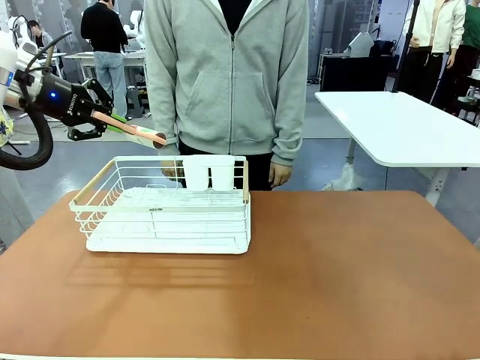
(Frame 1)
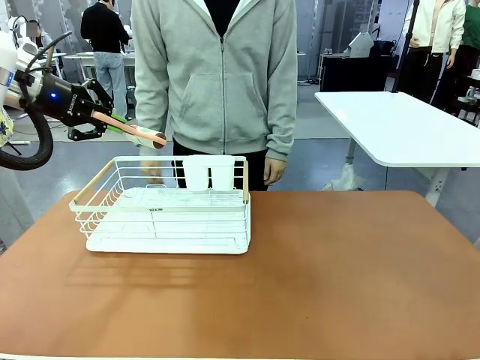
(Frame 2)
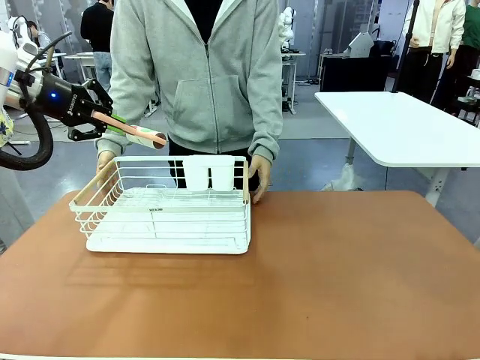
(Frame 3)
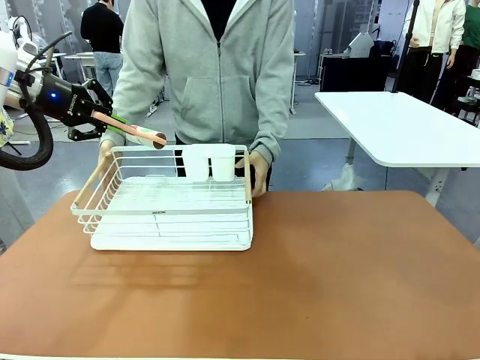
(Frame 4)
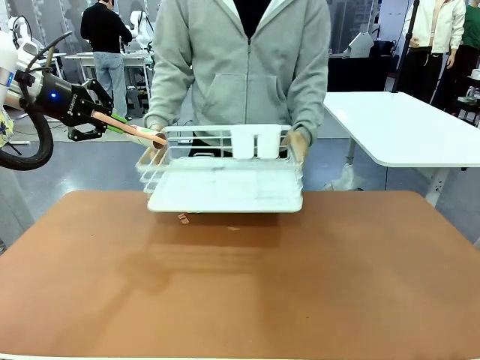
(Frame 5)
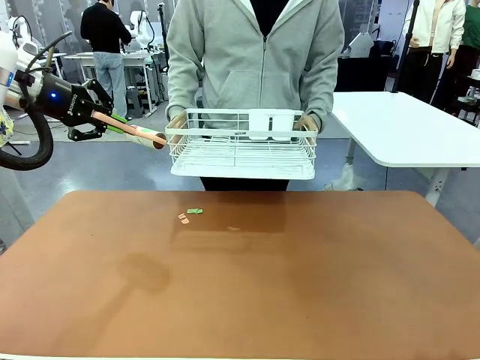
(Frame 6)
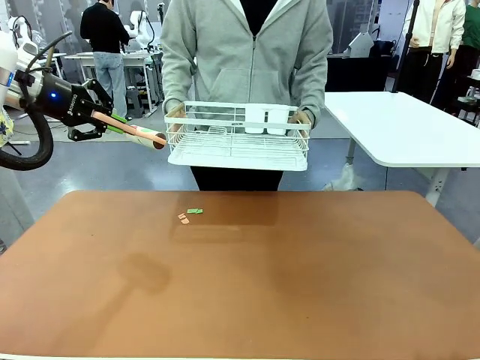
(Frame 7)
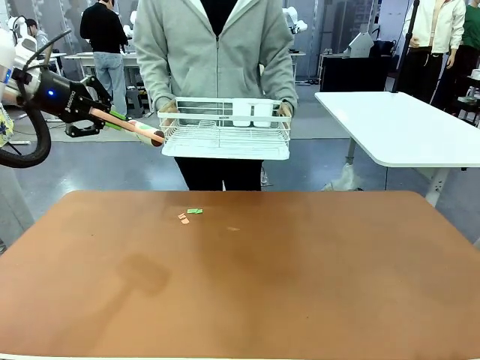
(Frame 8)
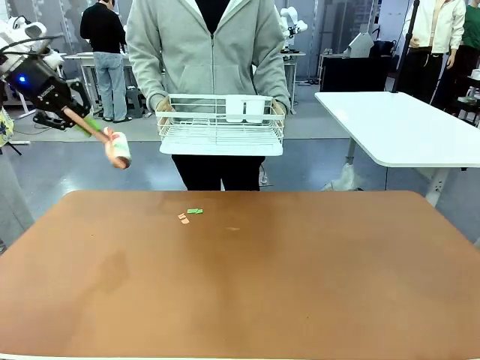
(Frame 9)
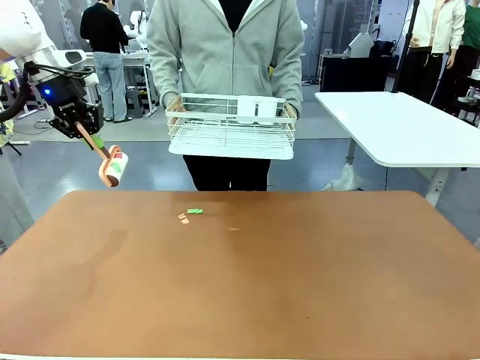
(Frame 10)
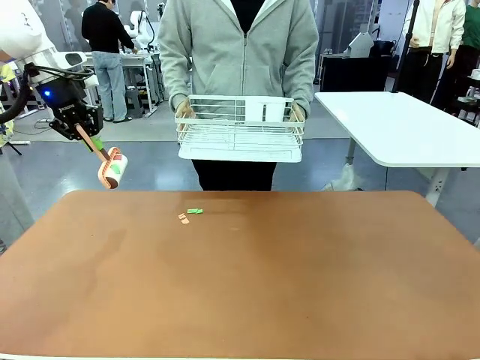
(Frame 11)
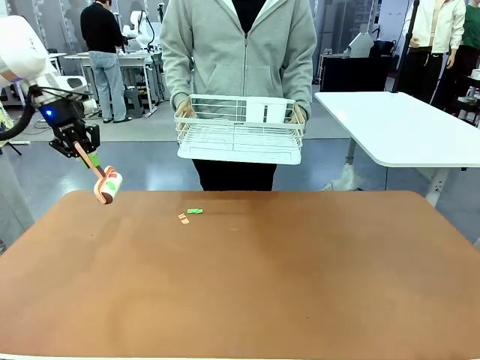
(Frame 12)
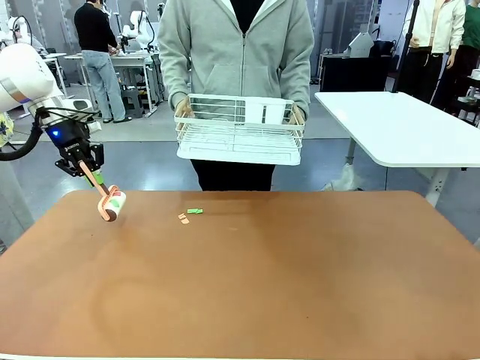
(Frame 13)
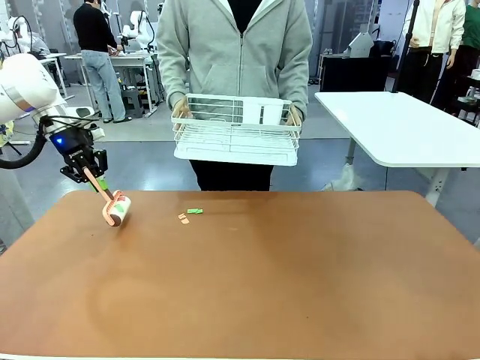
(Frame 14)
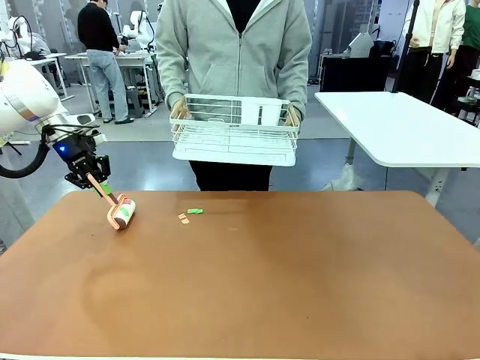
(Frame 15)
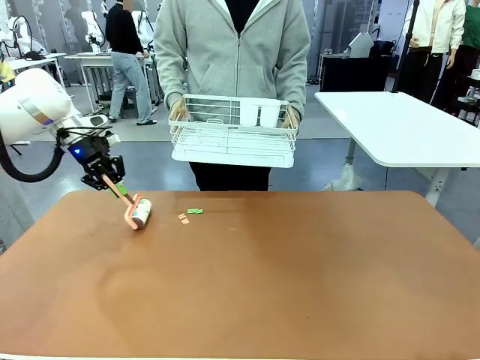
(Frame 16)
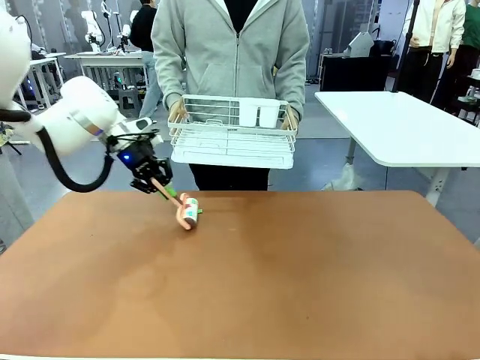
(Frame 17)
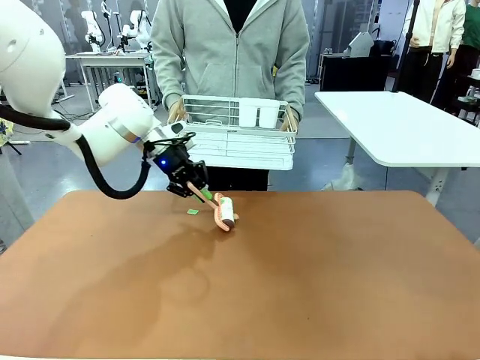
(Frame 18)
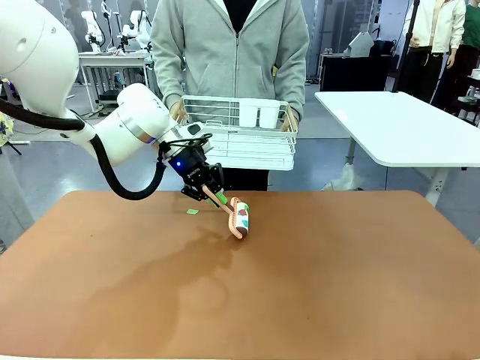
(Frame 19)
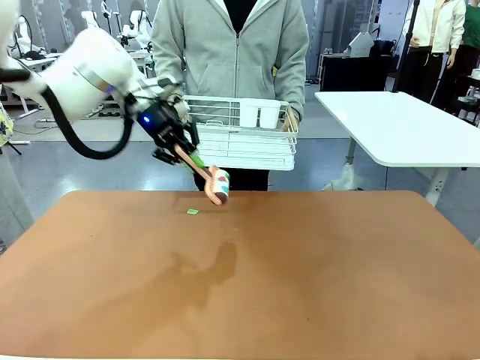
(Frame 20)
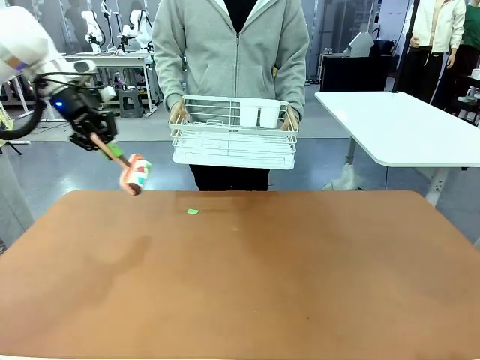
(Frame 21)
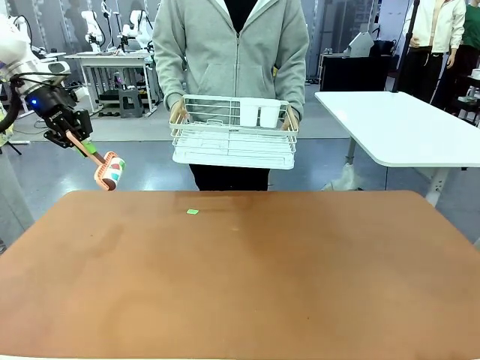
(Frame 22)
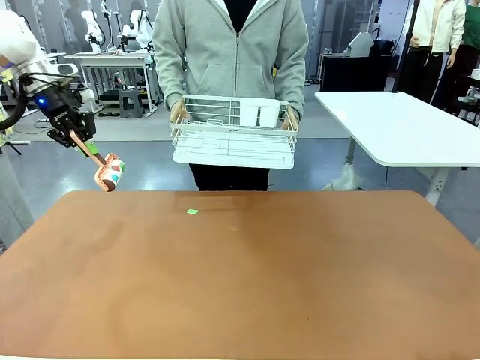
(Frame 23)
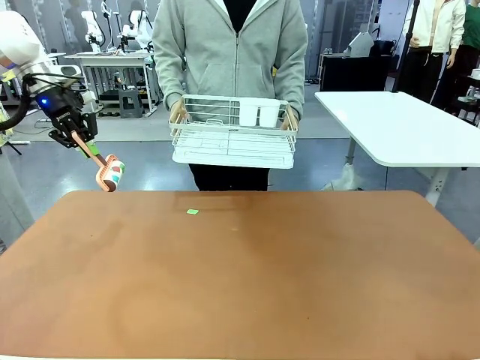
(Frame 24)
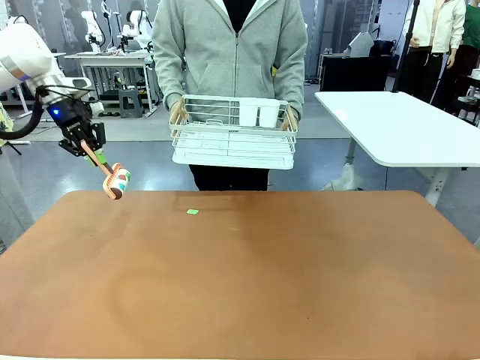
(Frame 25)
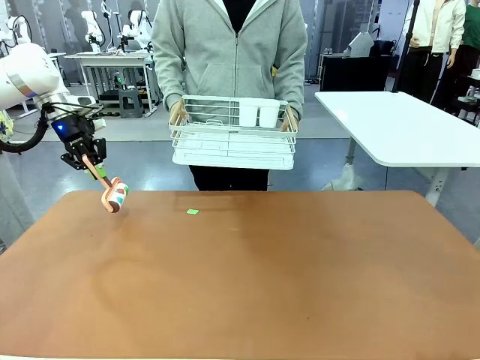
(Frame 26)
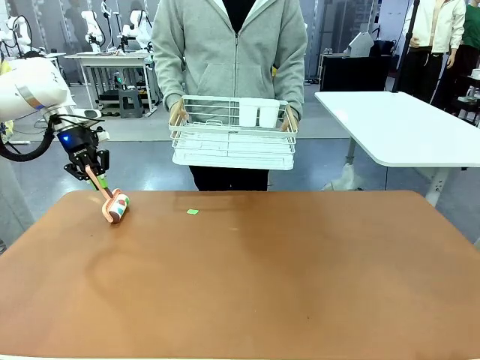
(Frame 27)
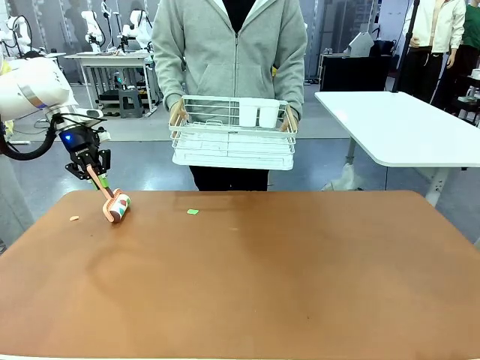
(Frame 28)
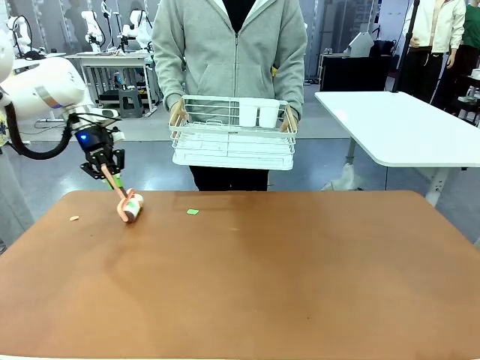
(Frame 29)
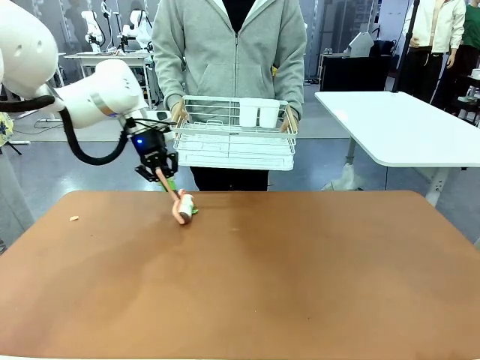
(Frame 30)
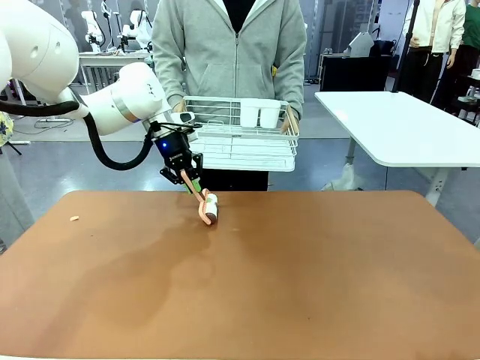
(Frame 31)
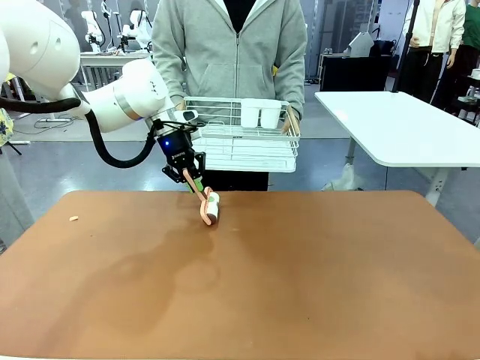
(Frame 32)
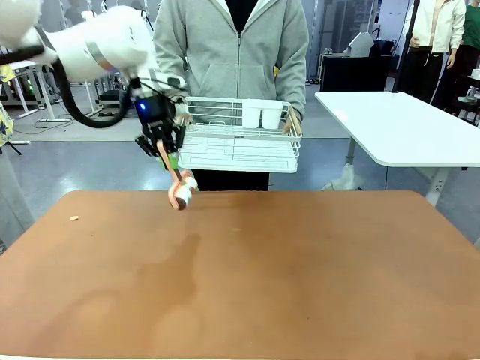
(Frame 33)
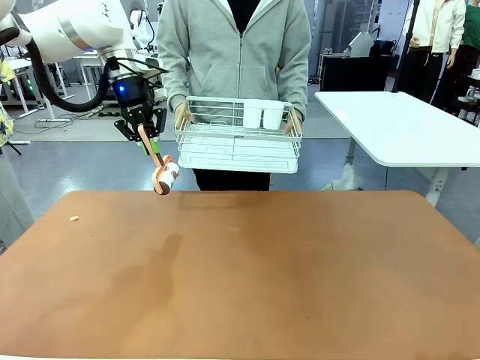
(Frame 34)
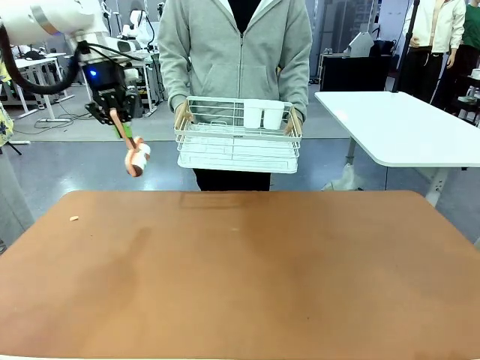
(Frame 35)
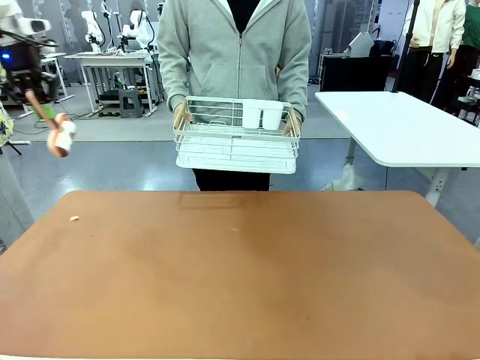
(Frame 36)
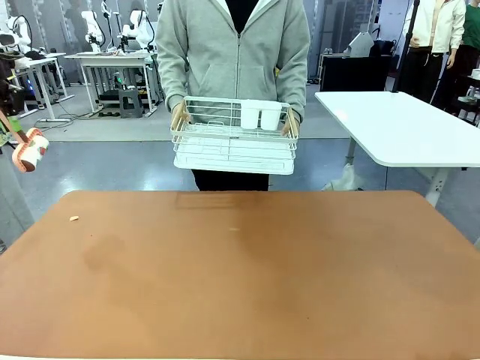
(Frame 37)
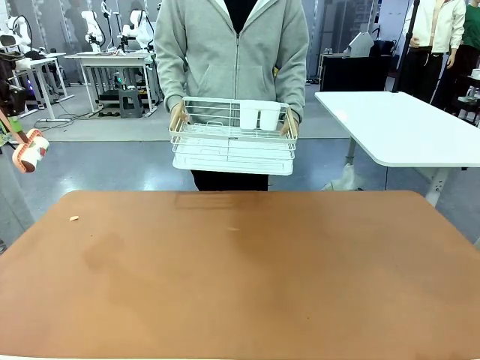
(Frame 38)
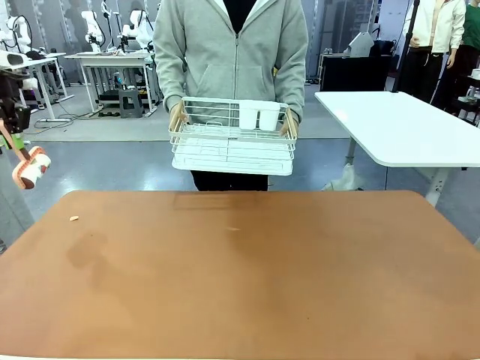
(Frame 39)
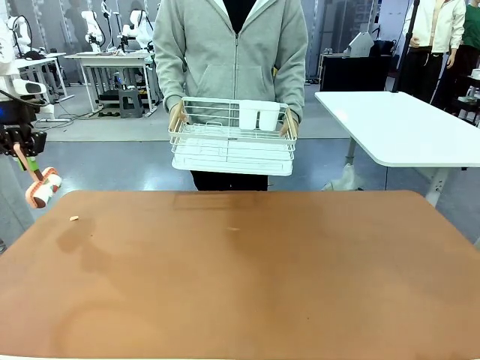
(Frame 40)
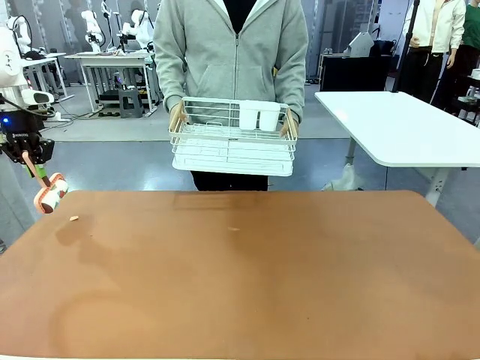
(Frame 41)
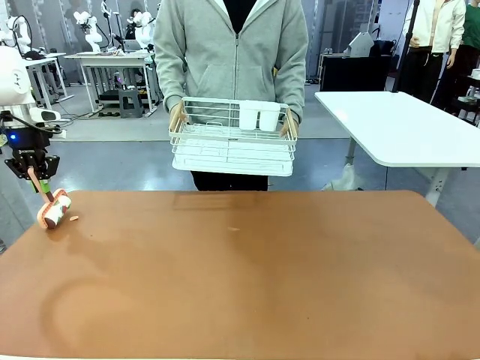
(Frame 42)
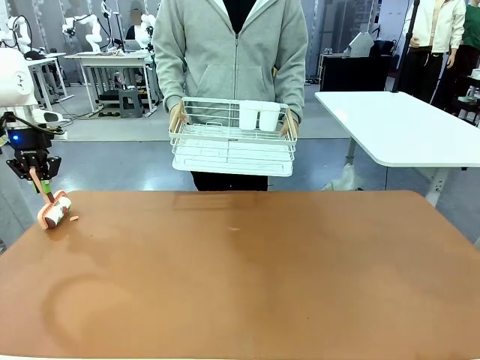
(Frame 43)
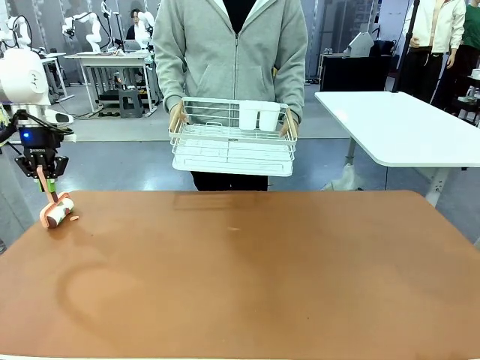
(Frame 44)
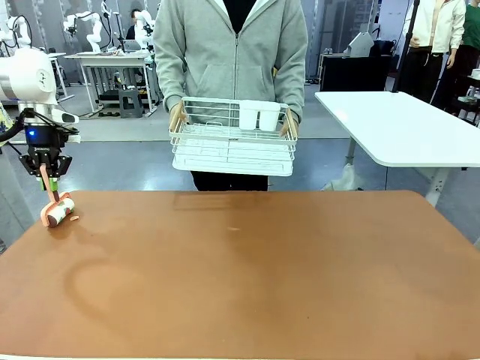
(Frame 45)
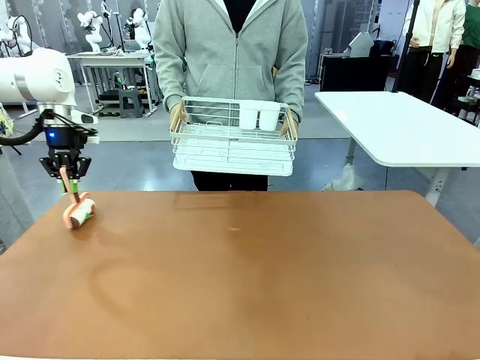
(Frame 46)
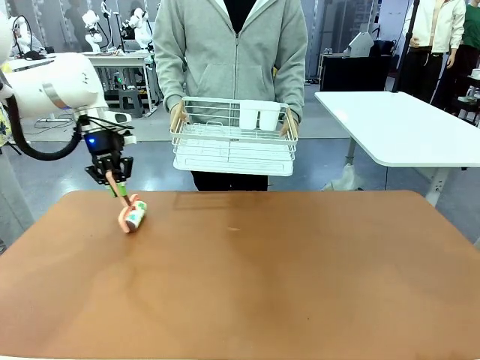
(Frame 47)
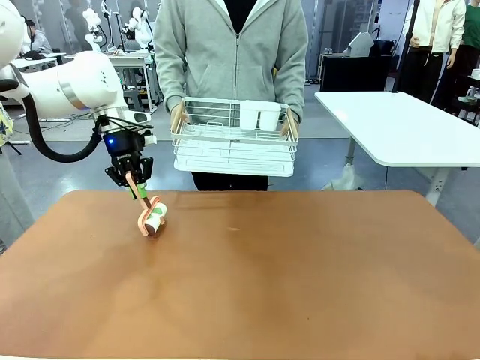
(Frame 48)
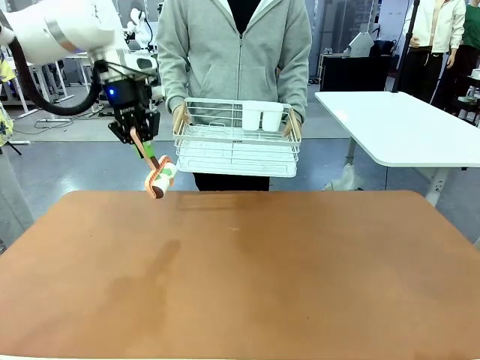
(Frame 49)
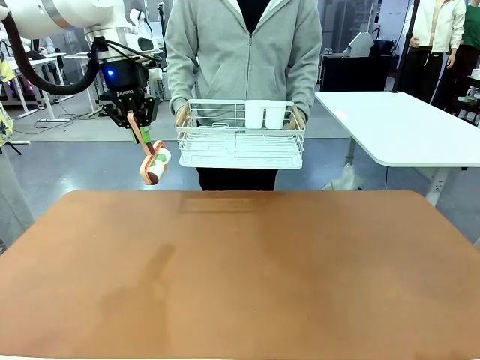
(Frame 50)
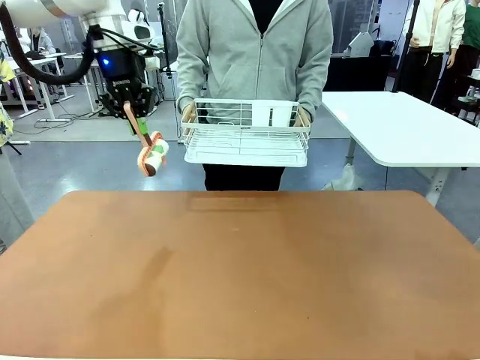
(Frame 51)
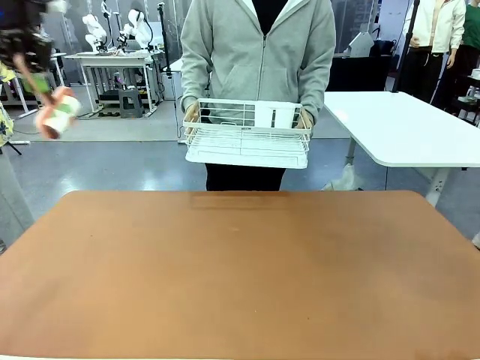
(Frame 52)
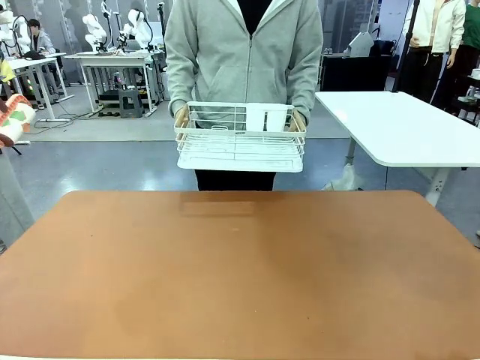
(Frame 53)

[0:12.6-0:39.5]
Task: Clean the table.
Robot: Clean the table with the Lint Roller when the human lifts the Dish drying rack.
Person: Place the Dish drying rack down when the robot finishes cleaning.
